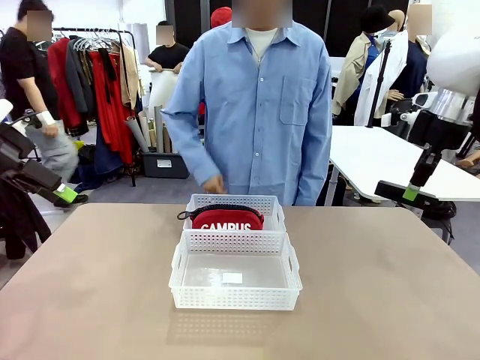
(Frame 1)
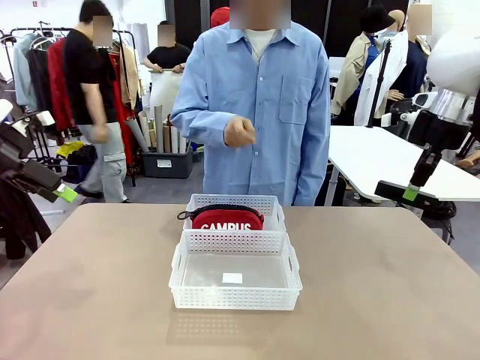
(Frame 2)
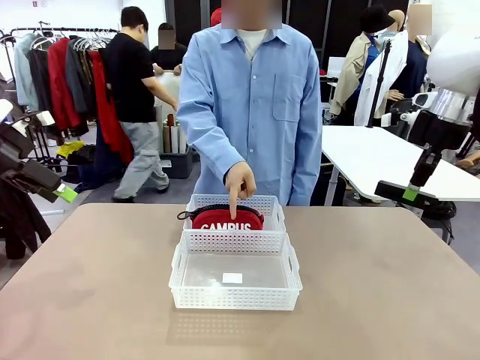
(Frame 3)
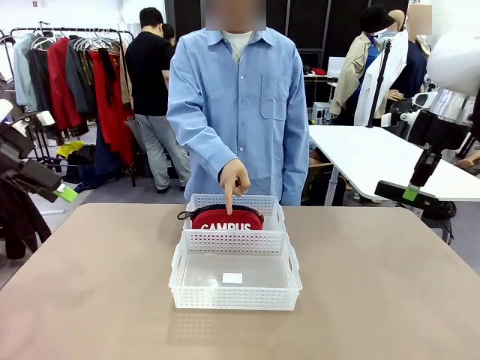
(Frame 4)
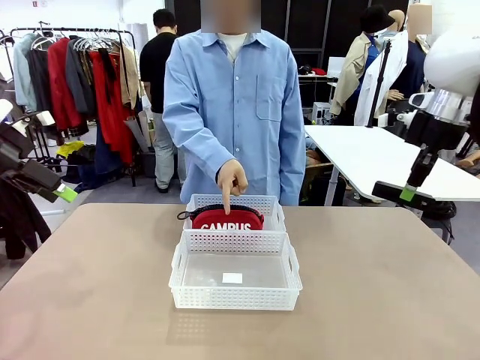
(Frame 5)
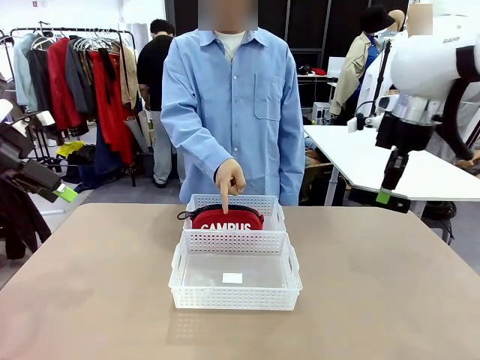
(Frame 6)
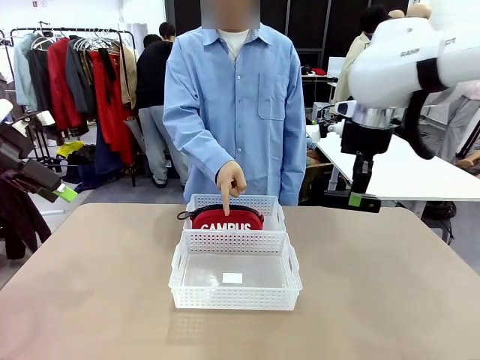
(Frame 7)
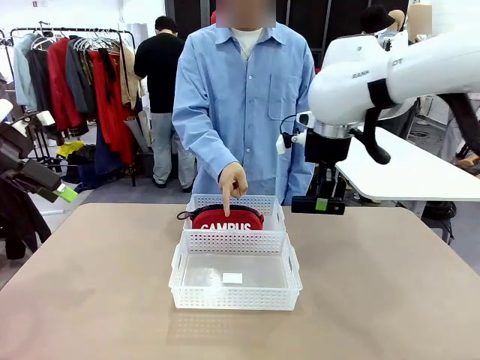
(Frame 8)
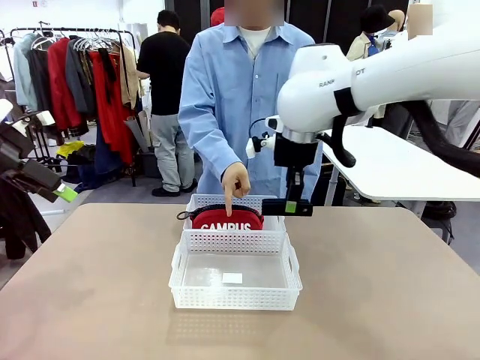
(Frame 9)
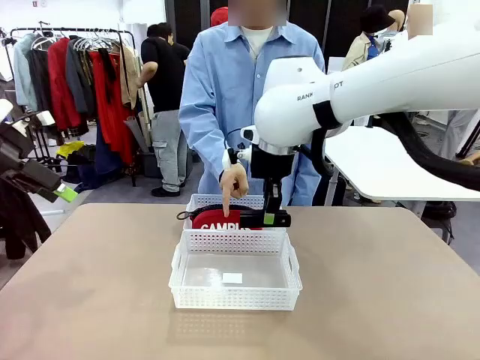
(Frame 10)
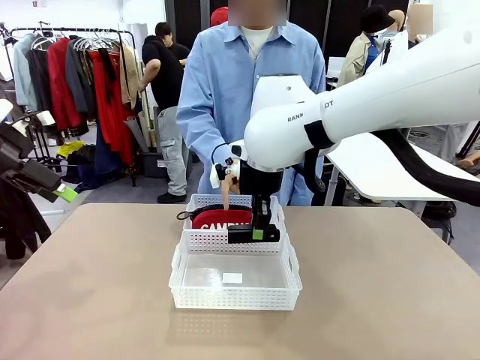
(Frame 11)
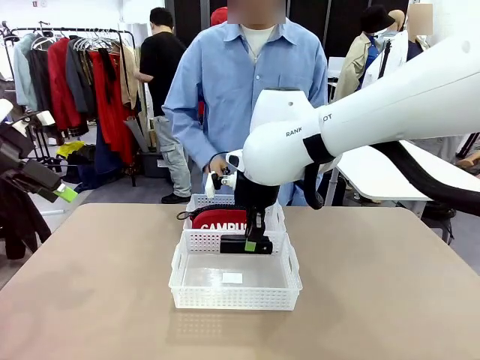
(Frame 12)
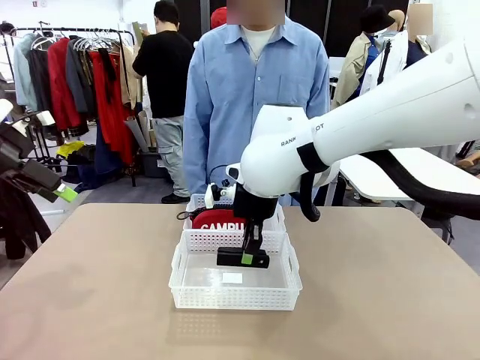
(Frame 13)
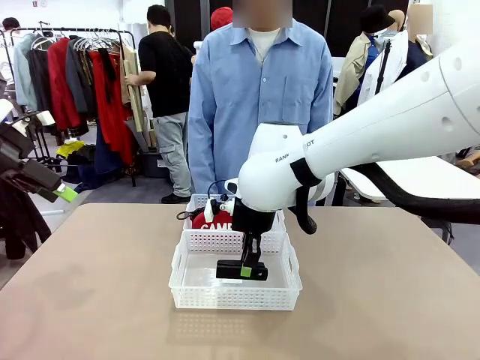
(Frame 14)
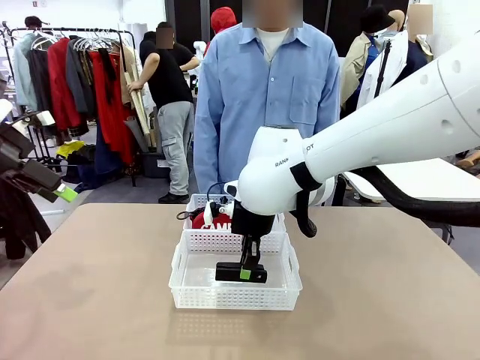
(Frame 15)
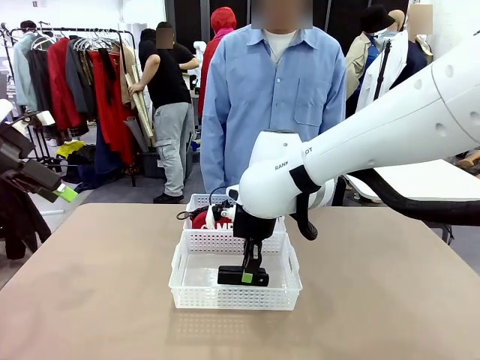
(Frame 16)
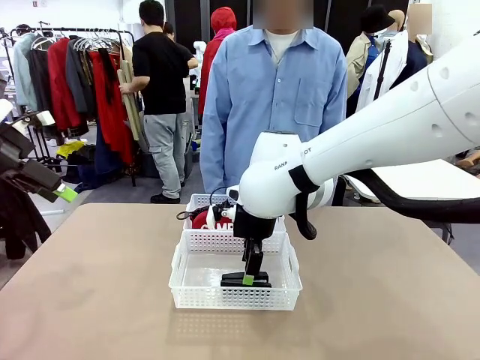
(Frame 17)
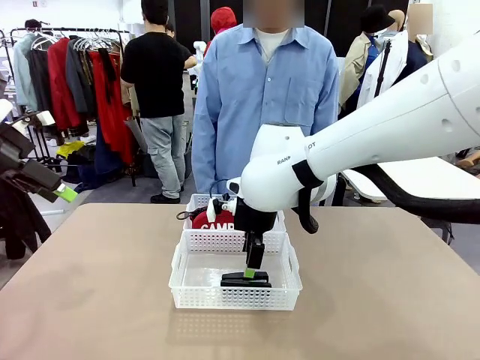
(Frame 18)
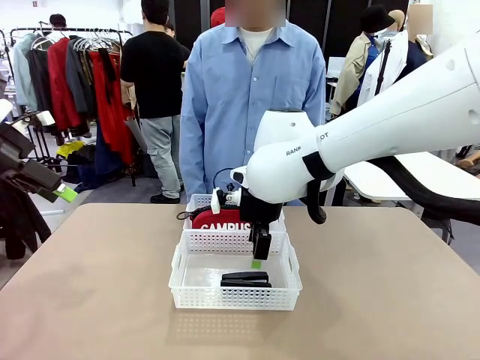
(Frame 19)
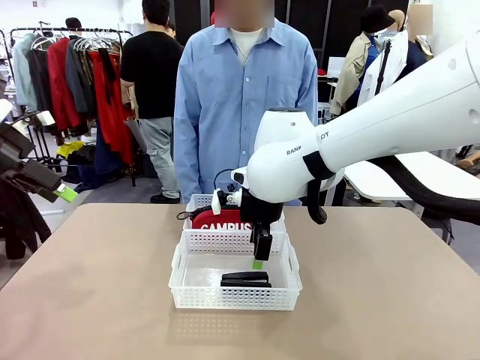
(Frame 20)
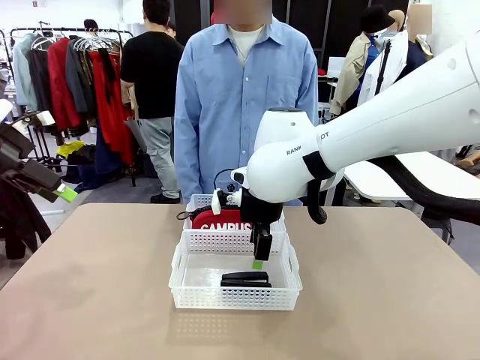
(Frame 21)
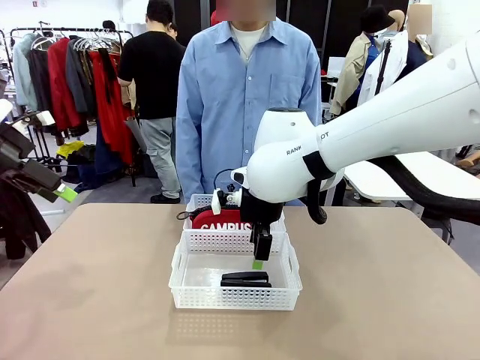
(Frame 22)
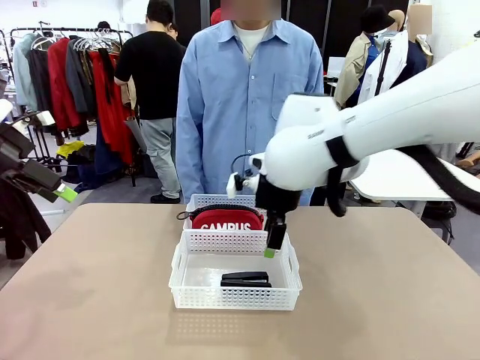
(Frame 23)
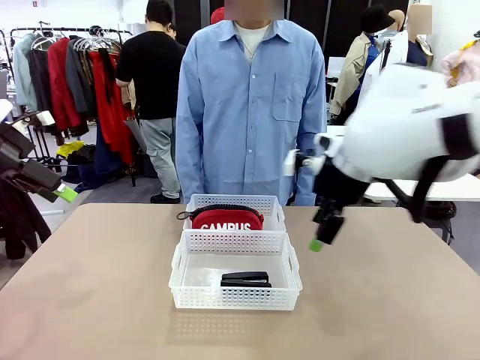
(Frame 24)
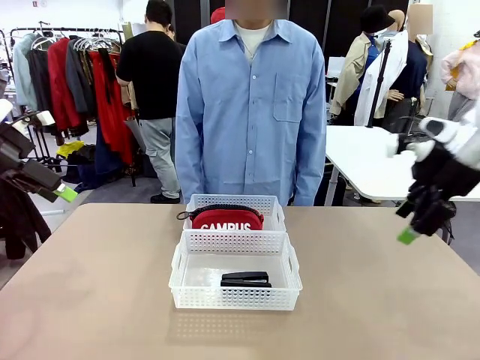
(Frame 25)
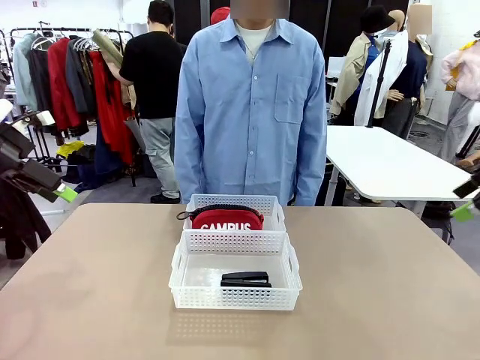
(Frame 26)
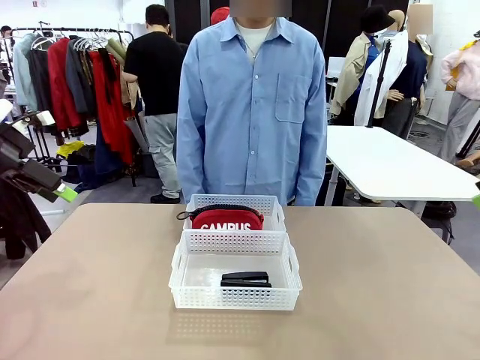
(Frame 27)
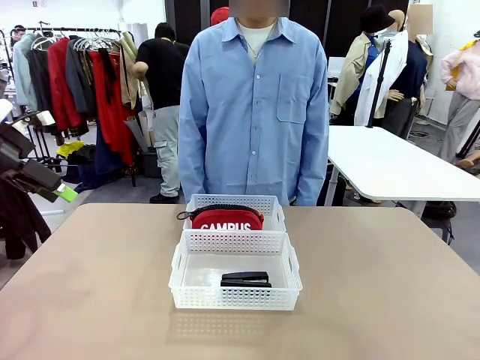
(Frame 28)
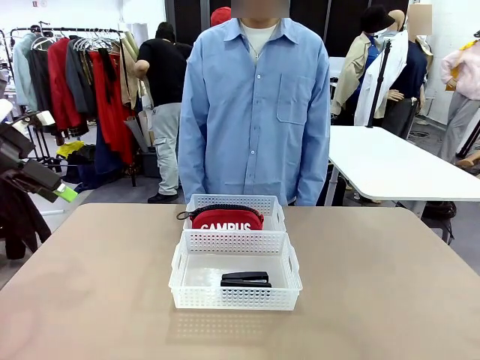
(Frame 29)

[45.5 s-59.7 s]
Task: Distribute items into two baskets.
Robot: Place the picked Stapler into the Organizing basket as instructed by the person.
Person: Points to the basket that does not contain the pencil case and instructs the robot to move the stapler there.

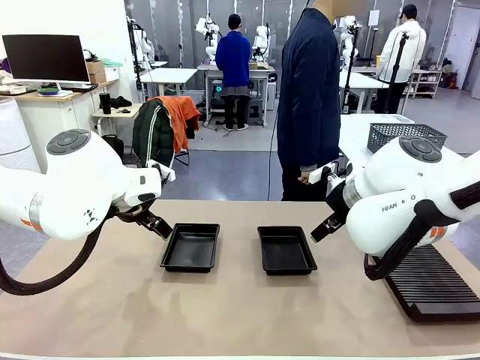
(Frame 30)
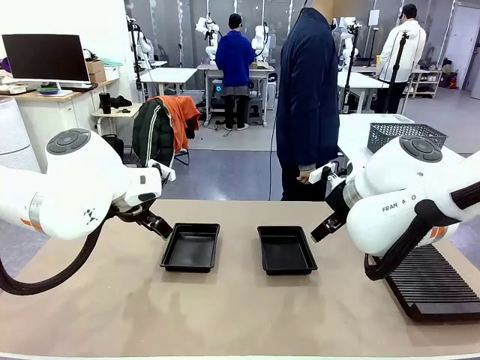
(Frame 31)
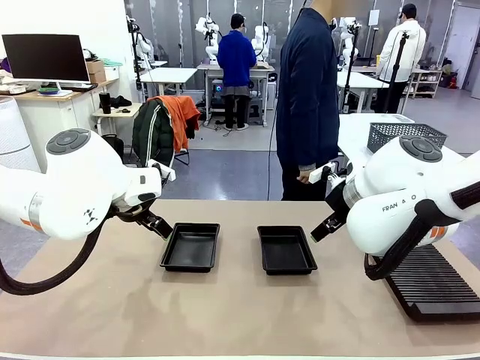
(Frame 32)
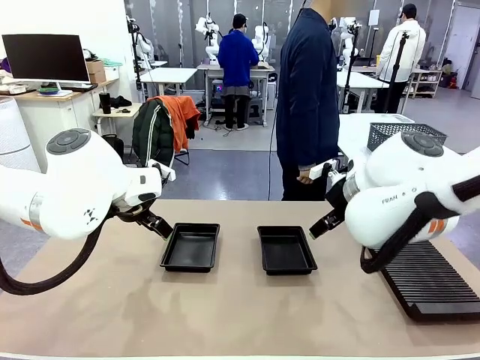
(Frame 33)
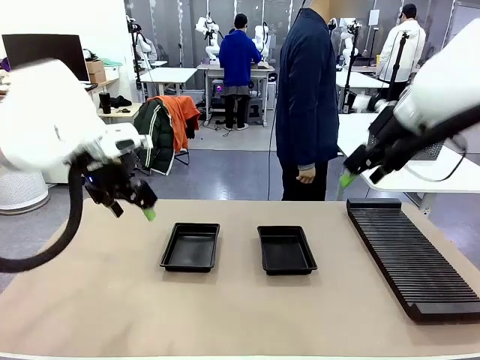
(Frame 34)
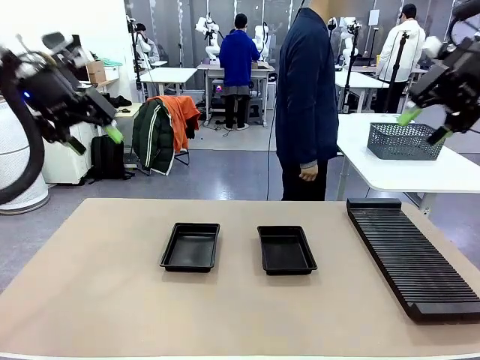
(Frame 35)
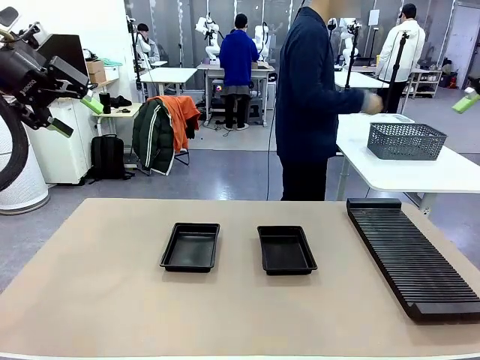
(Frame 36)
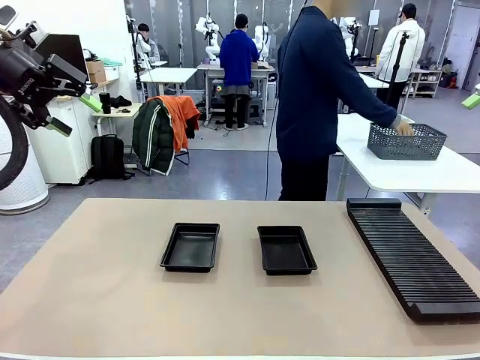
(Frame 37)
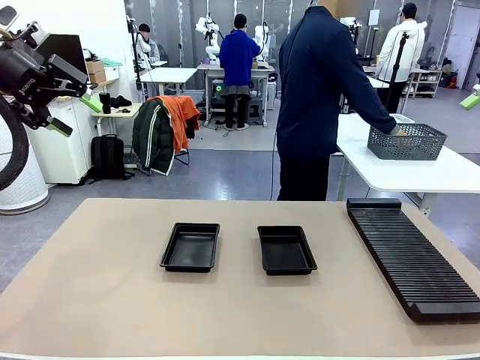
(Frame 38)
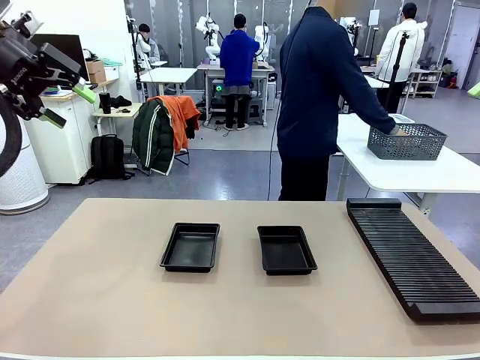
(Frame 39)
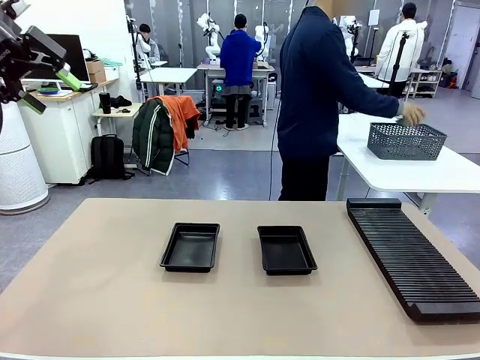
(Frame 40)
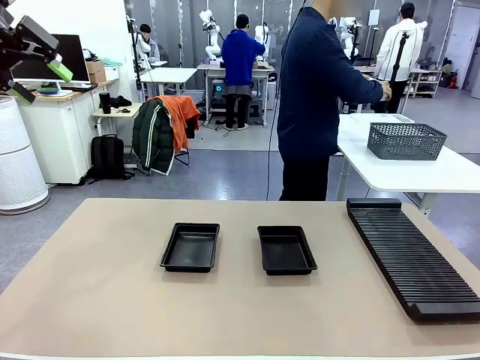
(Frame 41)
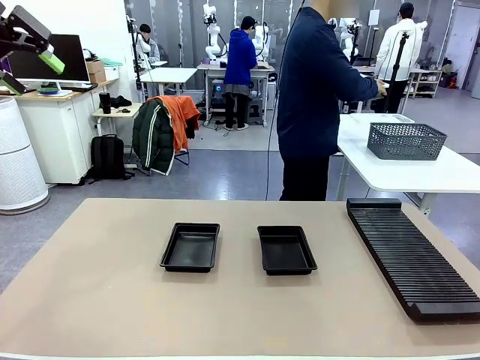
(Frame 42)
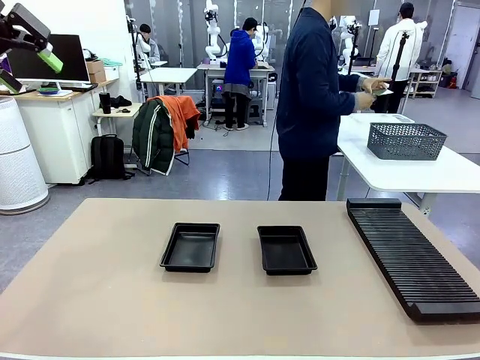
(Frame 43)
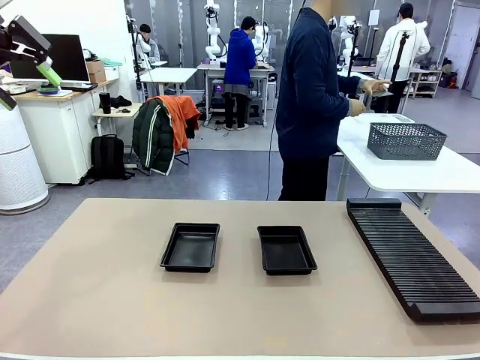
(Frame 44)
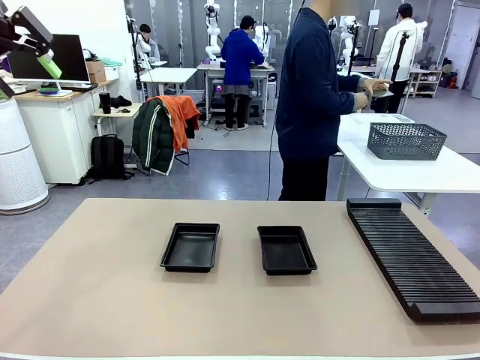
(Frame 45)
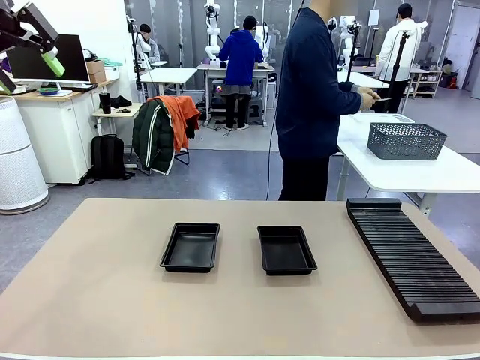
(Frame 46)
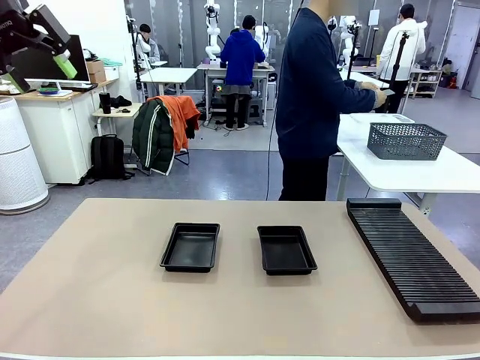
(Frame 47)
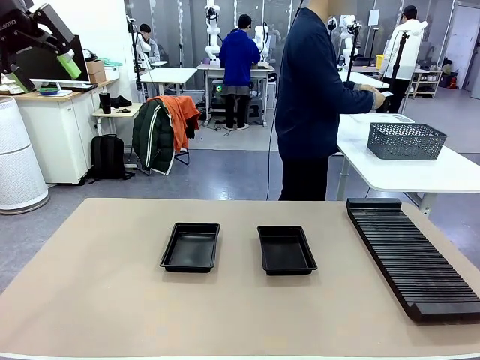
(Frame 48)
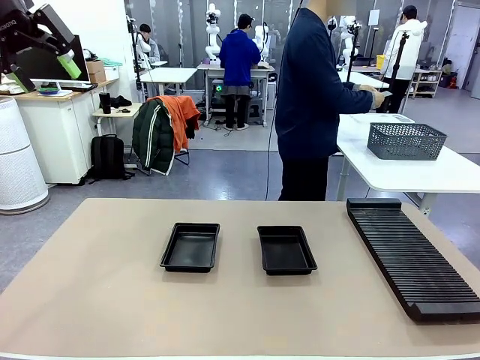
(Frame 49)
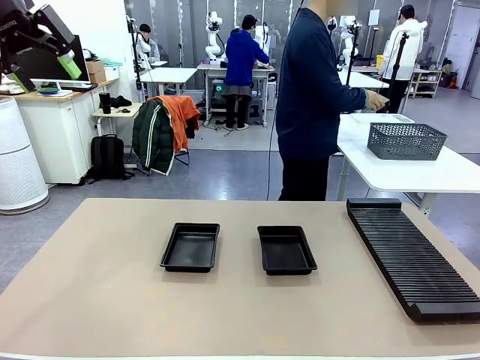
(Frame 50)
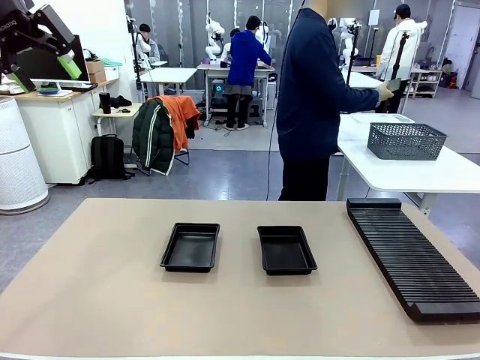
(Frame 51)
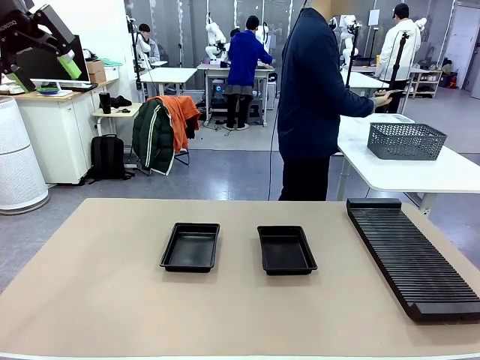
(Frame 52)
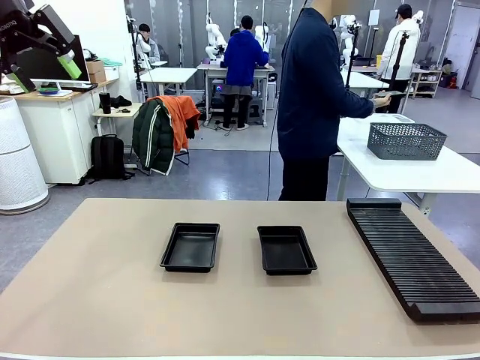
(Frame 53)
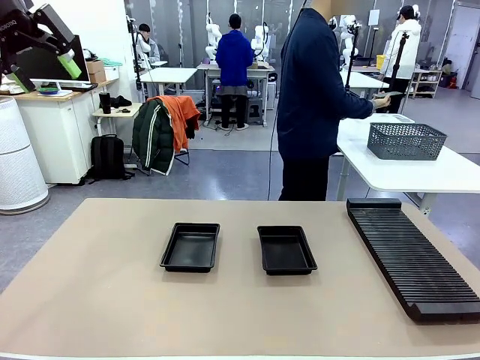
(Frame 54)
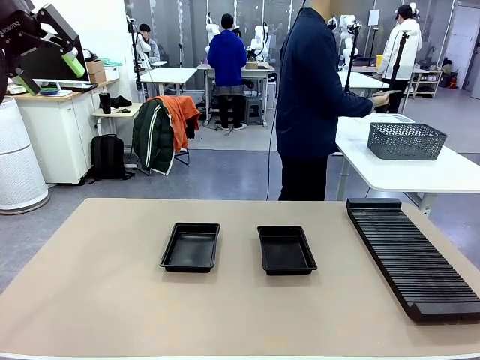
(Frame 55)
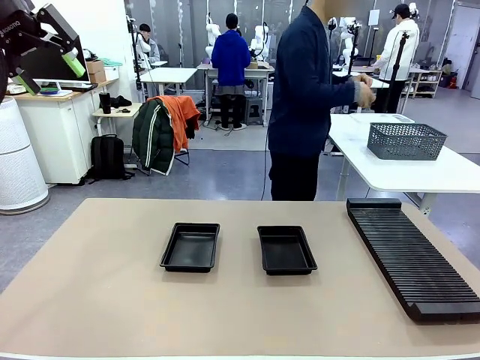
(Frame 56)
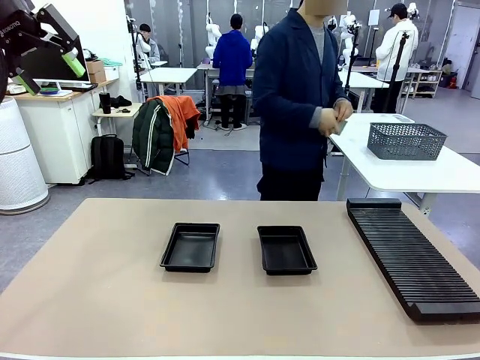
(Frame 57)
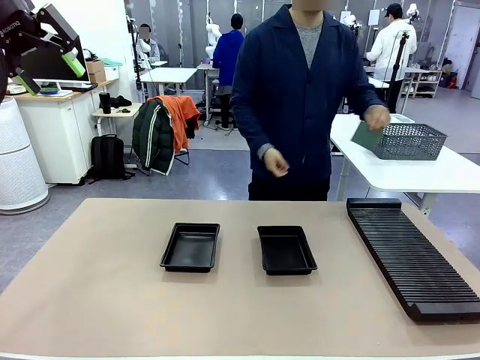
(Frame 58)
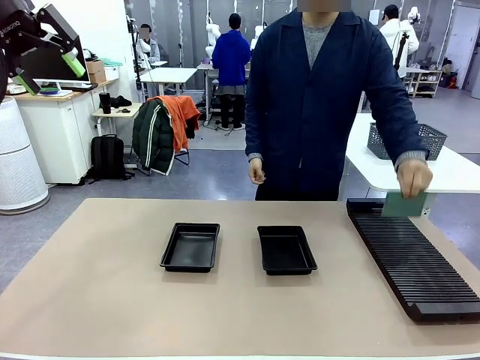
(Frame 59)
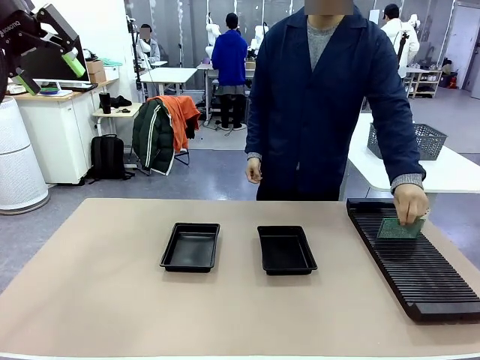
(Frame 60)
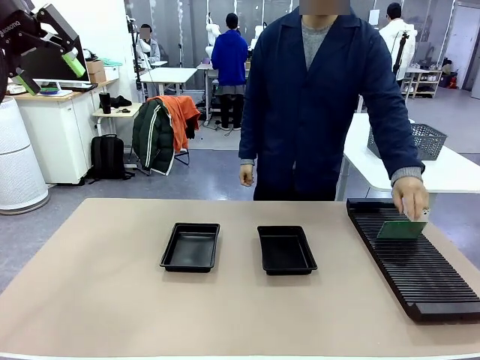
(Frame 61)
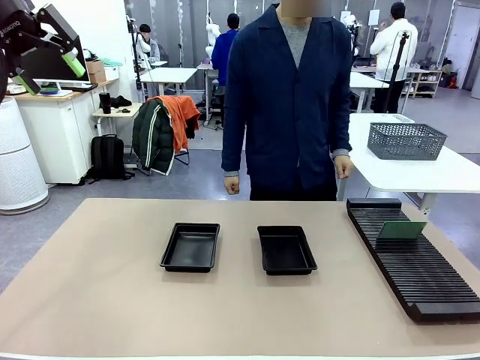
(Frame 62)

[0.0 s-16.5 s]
Task: Inspect and transfer BCBs to ESD trays.
Robot: Pick up the Blank PCB from the PCB Rack and place it in the left ESD tray.
